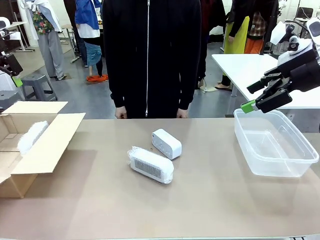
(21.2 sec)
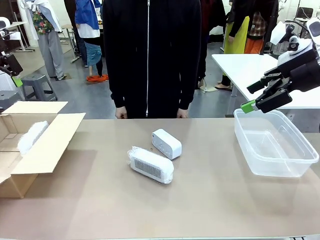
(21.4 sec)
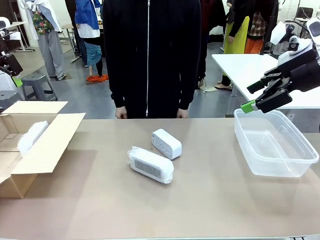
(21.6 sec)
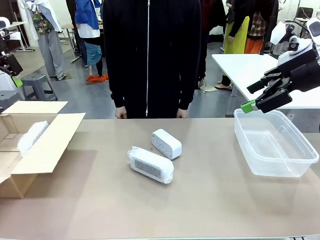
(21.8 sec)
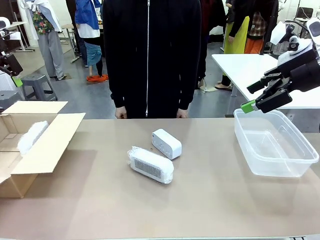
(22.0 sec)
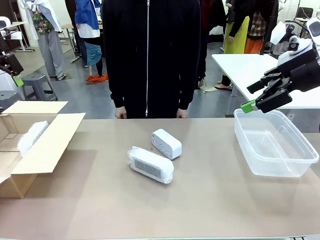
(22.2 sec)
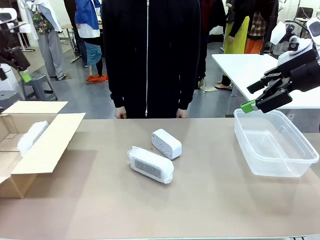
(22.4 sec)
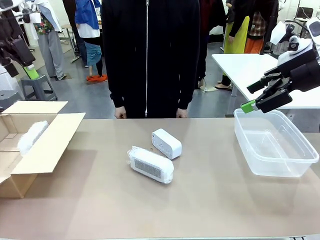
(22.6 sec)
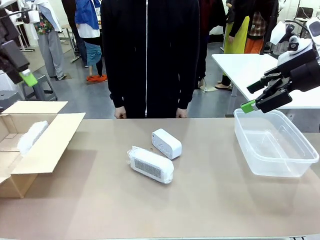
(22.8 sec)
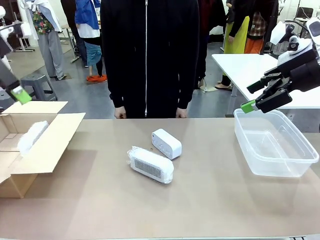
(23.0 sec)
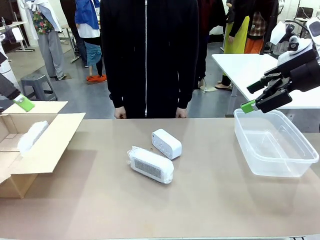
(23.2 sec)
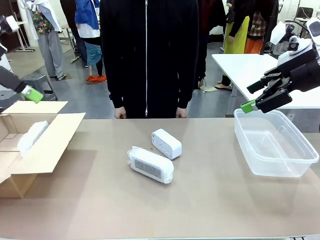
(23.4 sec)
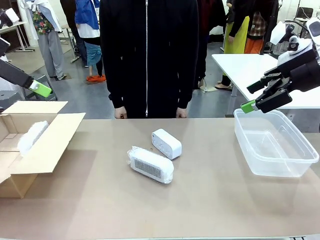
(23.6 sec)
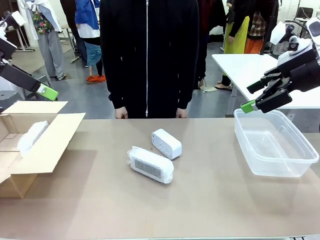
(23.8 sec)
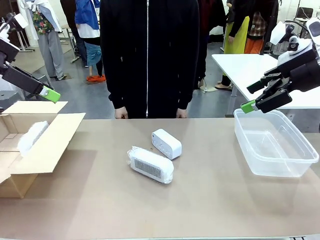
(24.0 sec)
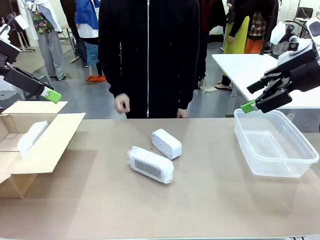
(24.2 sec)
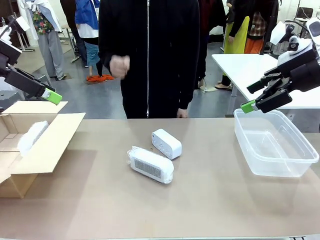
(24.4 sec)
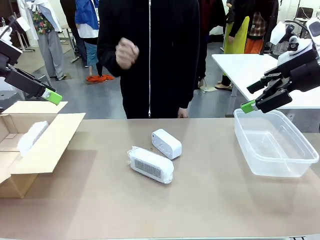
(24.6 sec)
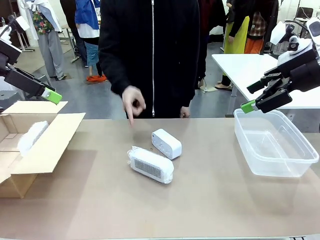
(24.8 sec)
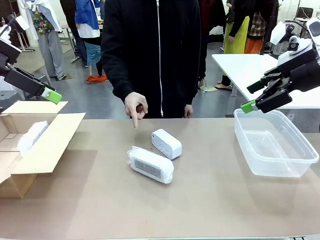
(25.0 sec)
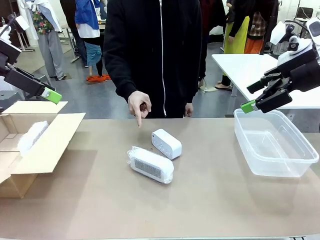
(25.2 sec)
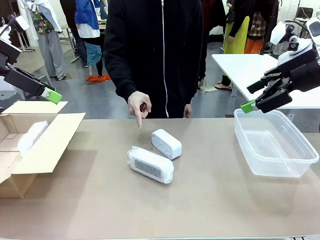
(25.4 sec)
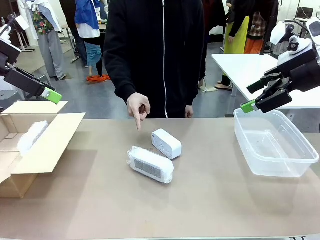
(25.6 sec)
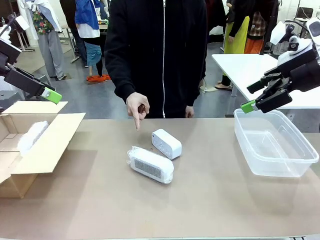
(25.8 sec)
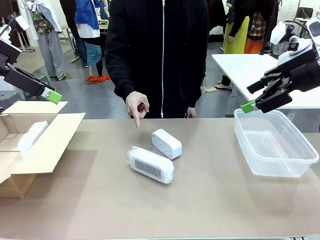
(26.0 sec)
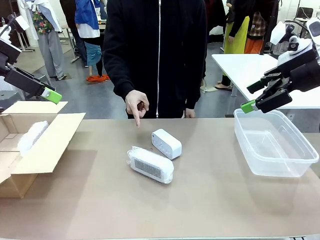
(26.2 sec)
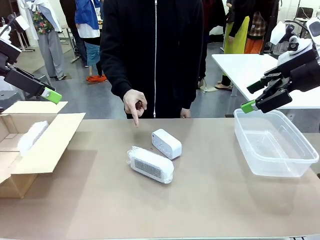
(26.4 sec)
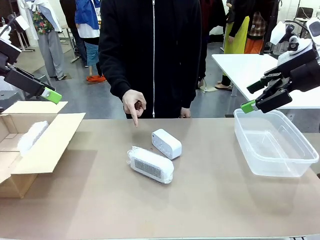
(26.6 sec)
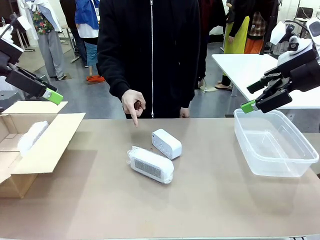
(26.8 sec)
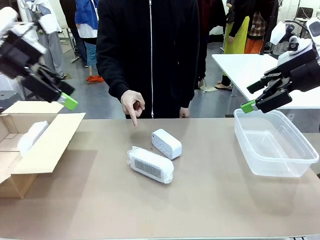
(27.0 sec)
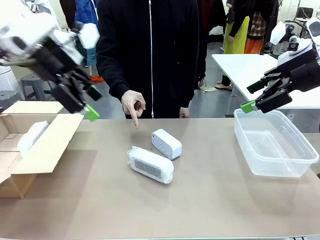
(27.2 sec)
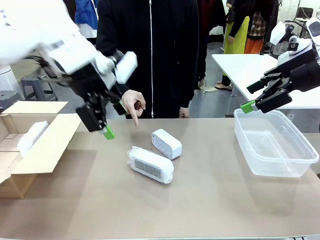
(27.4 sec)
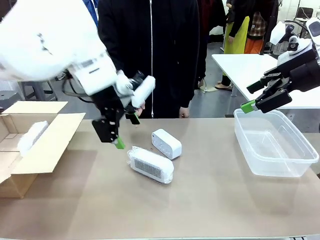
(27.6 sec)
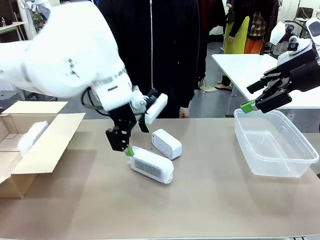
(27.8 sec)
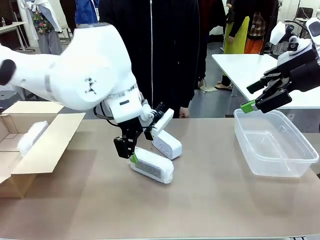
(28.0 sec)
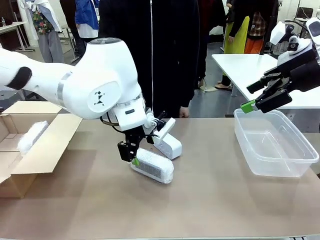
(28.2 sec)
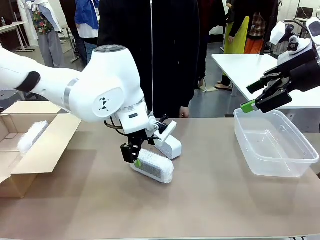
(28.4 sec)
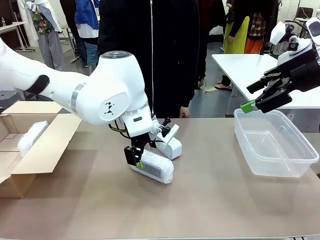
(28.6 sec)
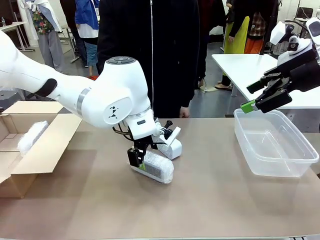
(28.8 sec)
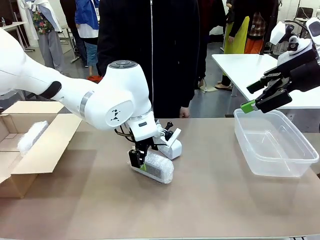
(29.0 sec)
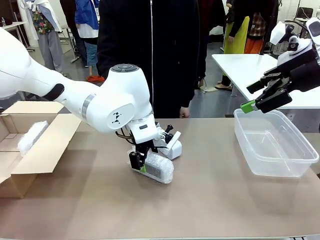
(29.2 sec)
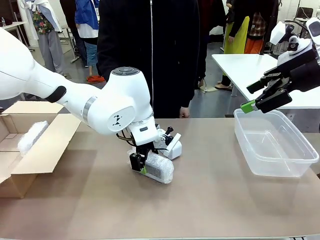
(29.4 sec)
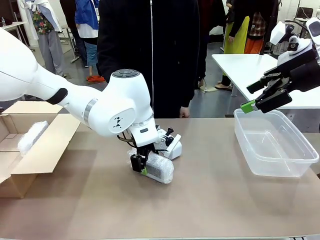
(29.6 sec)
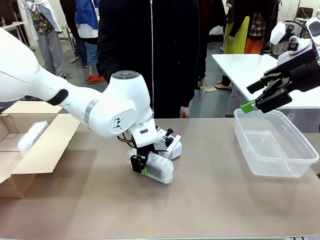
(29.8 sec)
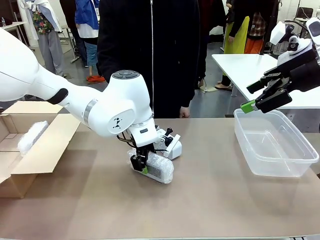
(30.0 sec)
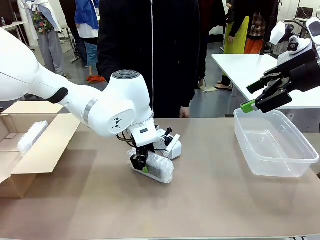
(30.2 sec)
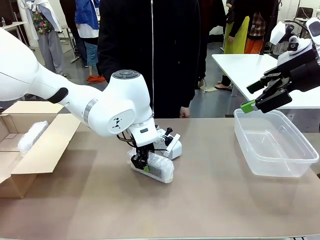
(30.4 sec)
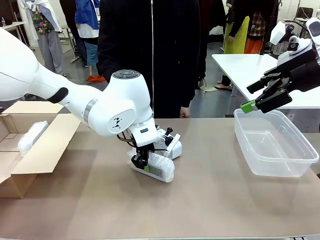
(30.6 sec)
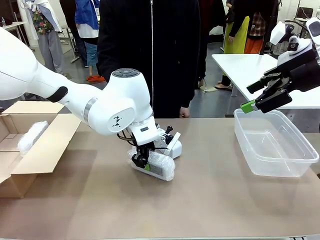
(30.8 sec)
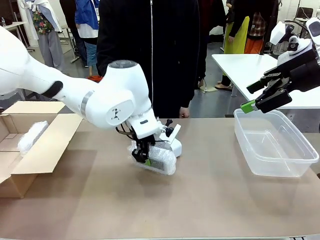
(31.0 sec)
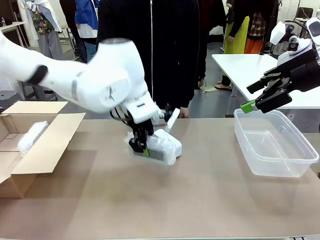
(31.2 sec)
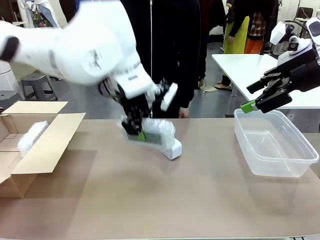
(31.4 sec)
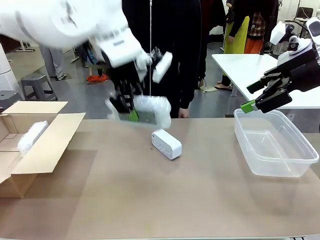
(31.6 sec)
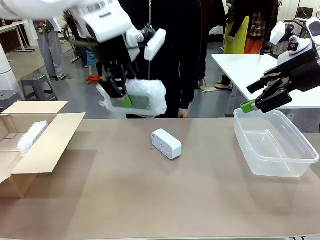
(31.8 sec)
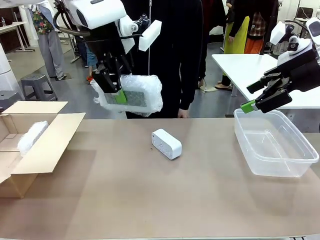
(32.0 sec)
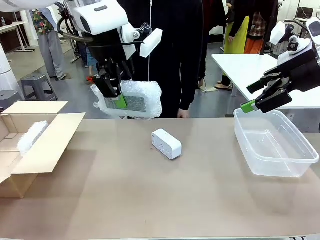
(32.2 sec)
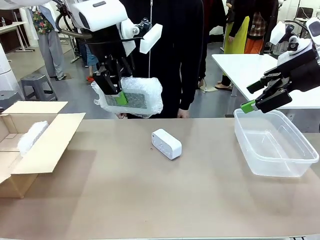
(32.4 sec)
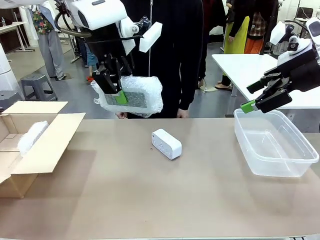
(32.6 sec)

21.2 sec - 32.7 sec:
Task: Separate and place wrapped and unwrapped clocks.
Robot: Pick up the Digital clock indicated by the person.

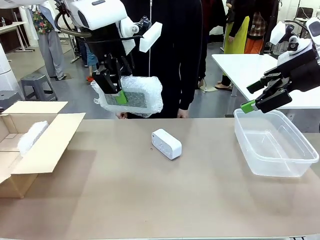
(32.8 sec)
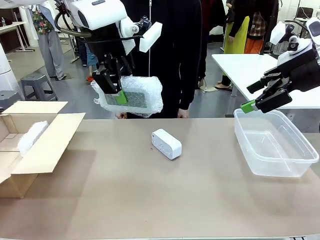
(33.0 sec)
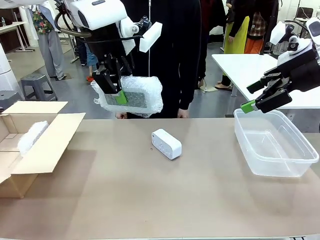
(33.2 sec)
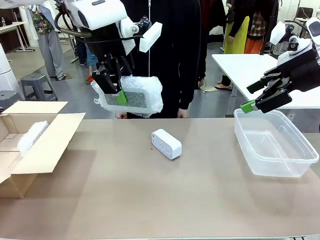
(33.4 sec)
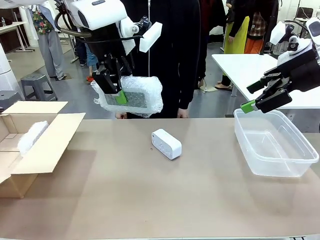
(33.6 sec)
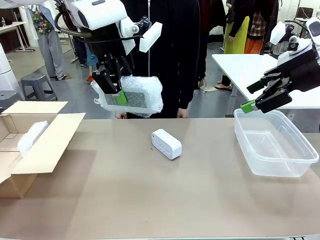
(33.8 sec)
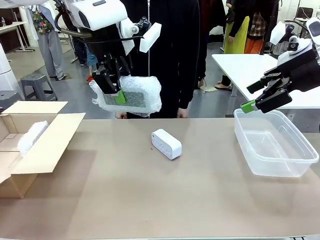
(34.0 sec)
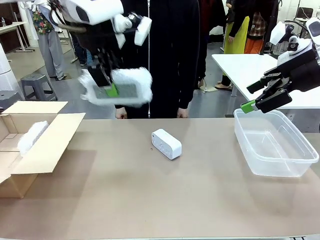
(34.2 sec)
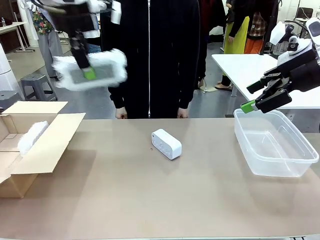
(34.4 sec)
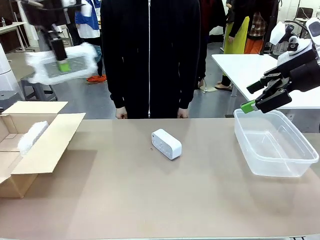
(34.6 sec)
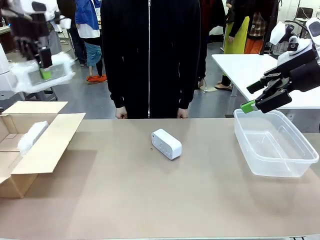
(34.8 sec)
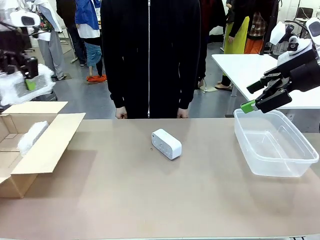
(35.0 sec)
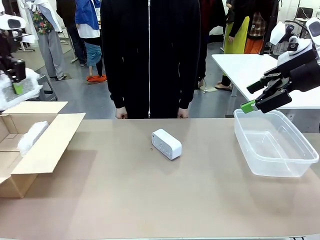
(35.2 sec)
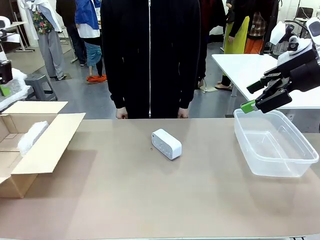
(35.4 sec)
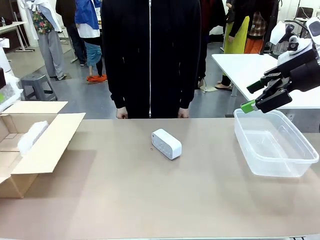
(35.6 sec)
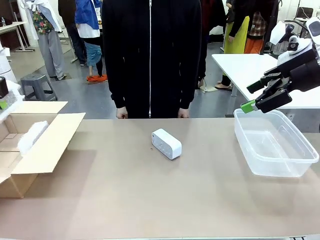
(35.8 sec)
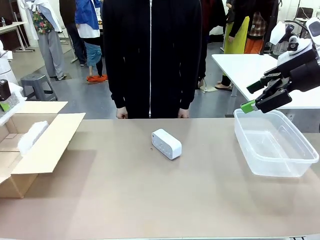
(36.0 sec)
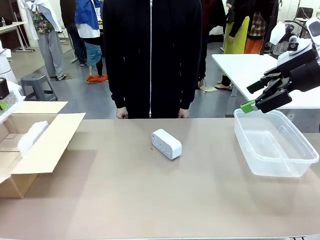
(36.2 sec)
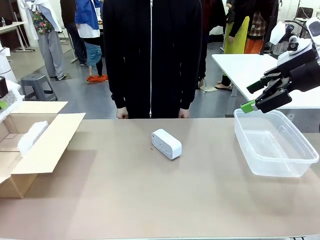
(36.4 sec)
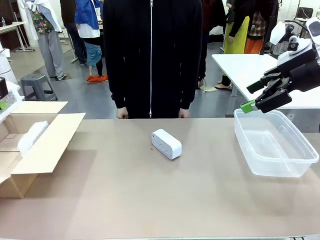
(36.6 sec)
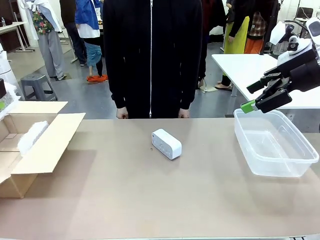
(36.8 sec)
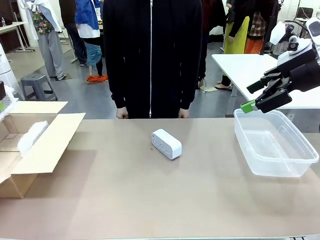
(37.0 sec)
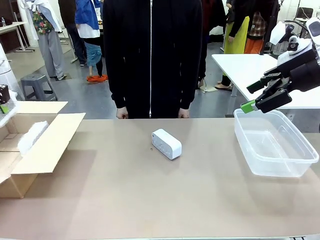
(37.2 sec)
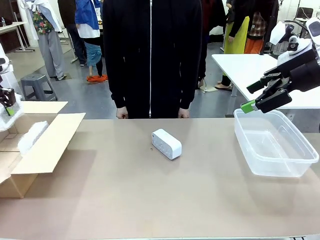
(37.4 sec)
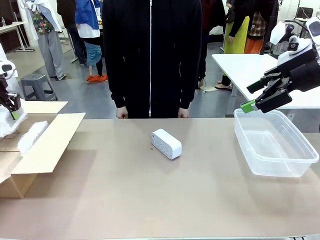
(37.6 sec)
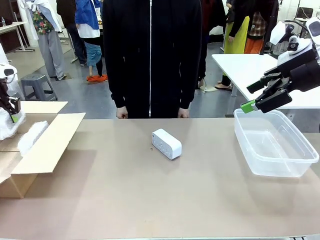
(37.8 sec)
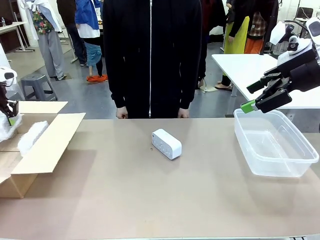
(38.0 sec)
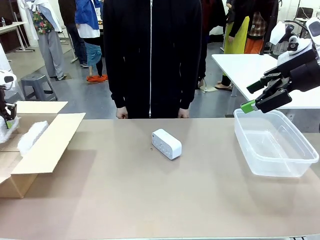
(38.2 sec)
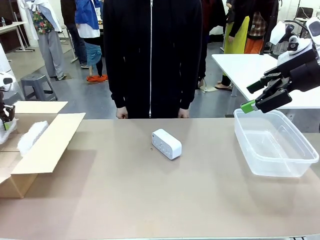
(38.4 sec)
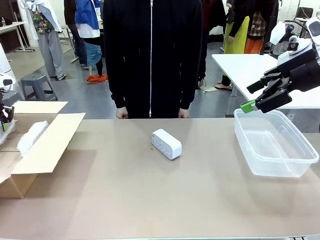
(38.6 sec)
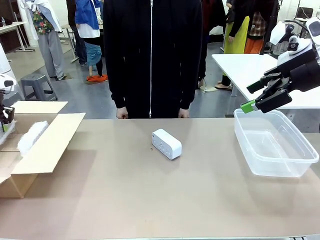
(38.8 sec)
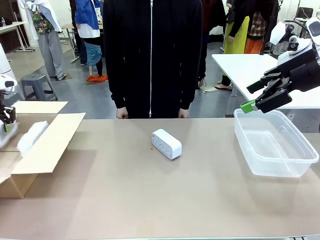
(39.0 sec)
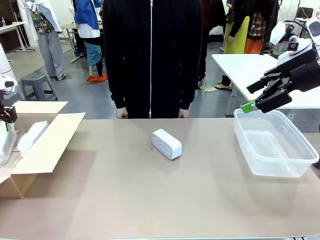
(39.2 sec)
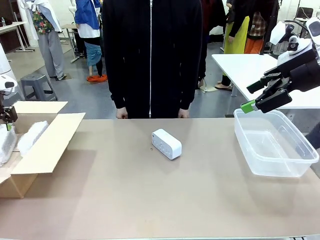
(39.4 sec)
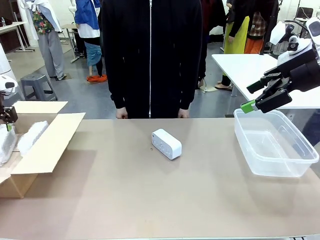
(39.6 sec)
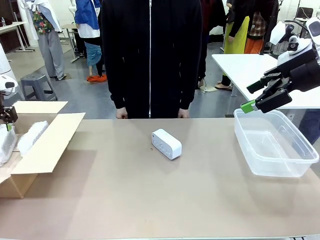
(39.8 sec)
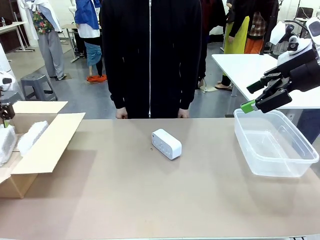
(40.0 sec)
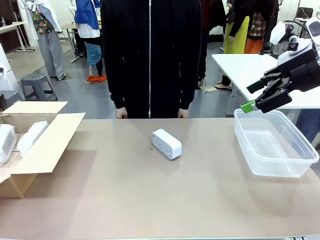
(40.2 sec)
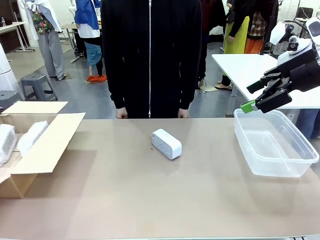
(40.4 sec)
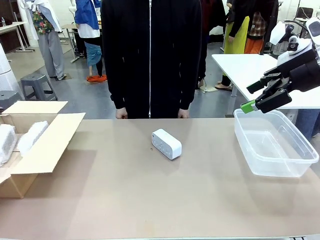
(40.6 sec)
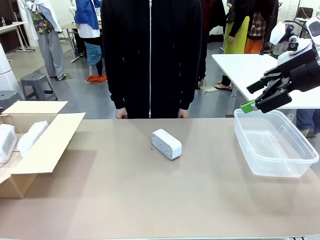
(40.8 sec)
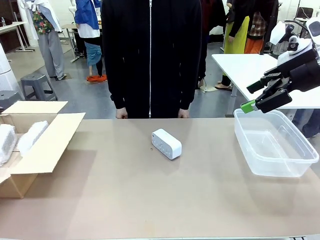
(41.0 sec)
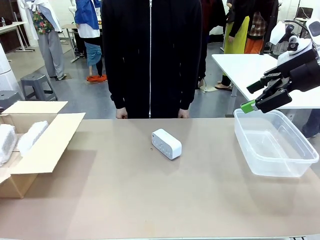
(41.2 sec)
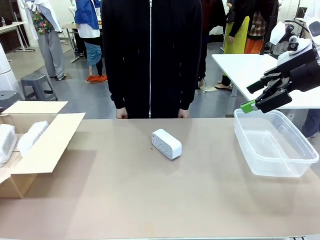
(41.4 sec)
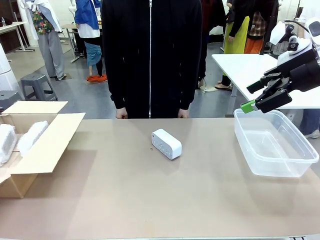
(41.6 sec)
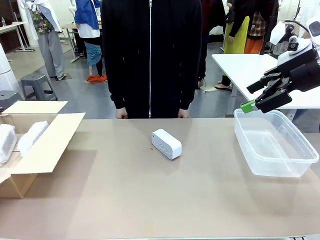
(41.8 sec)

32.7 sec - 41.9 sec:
Robot: If the picked Digital clock is wrapped, place it in the Package Box ; if not, place it in the Organizing box.
